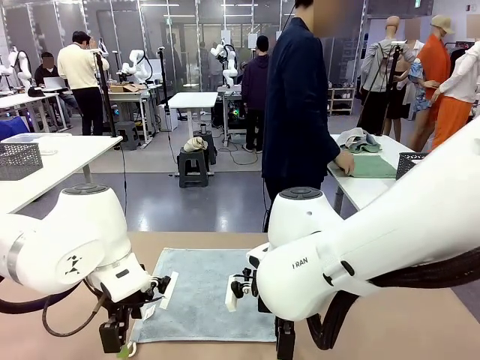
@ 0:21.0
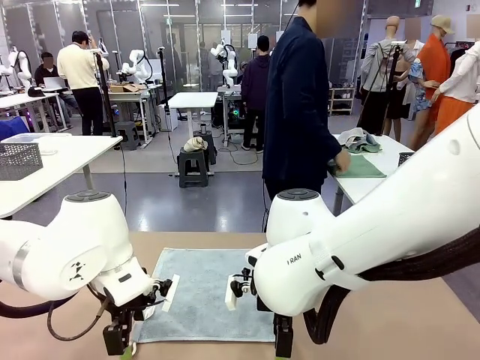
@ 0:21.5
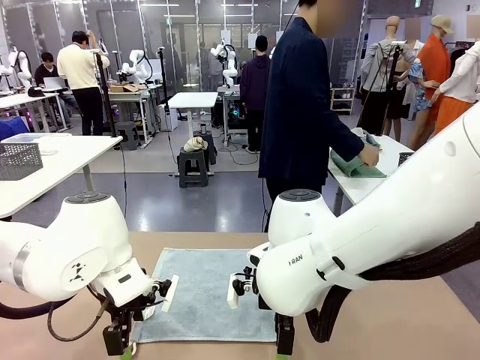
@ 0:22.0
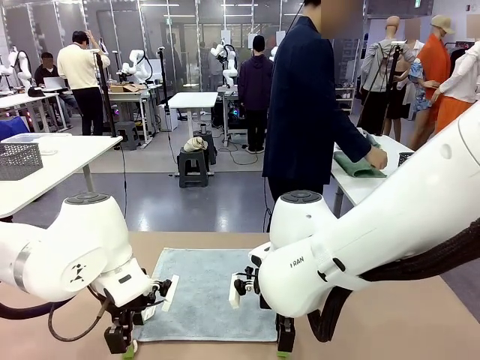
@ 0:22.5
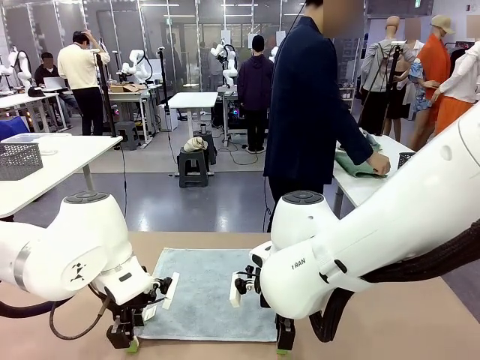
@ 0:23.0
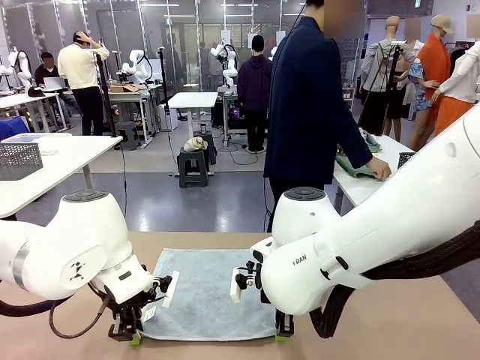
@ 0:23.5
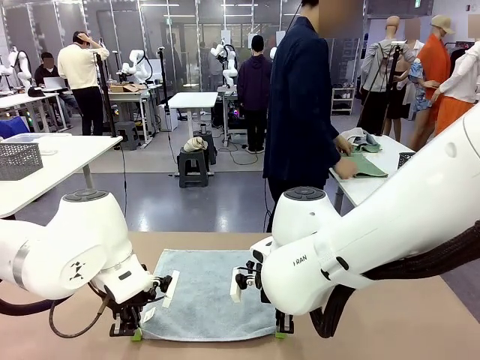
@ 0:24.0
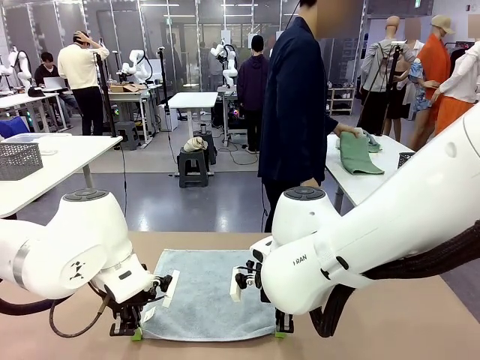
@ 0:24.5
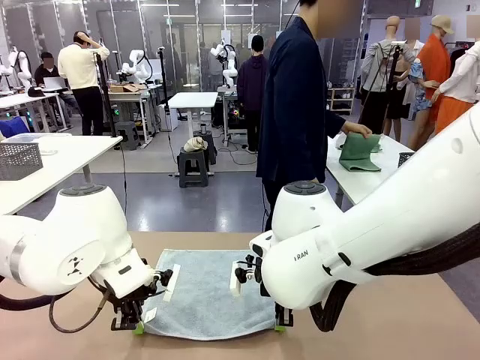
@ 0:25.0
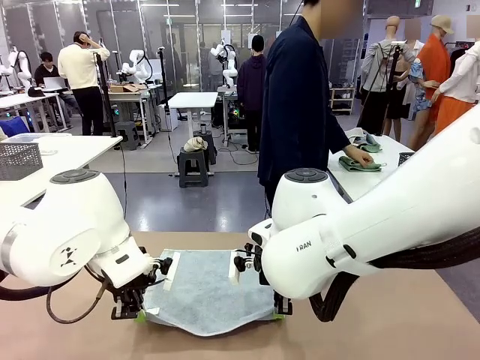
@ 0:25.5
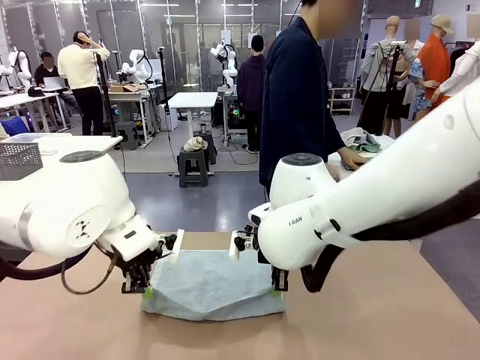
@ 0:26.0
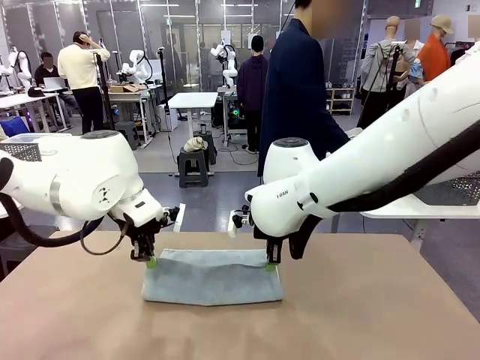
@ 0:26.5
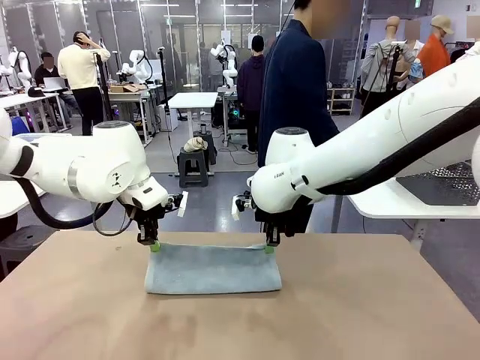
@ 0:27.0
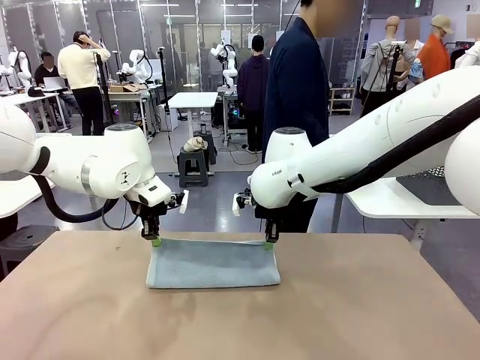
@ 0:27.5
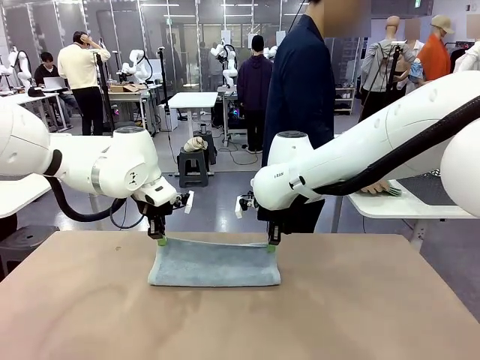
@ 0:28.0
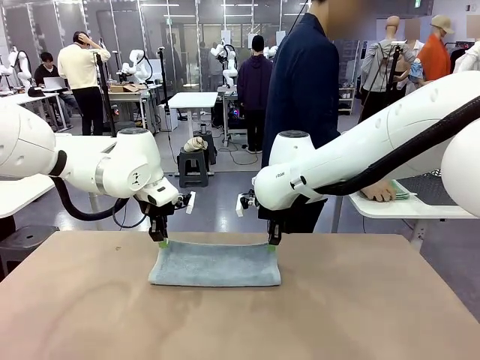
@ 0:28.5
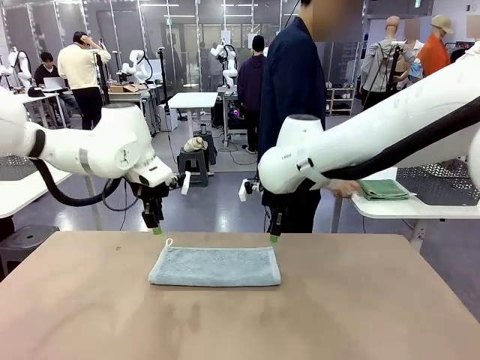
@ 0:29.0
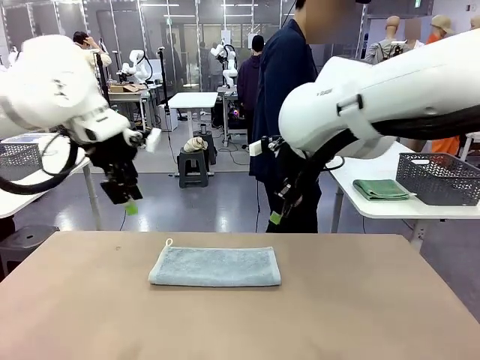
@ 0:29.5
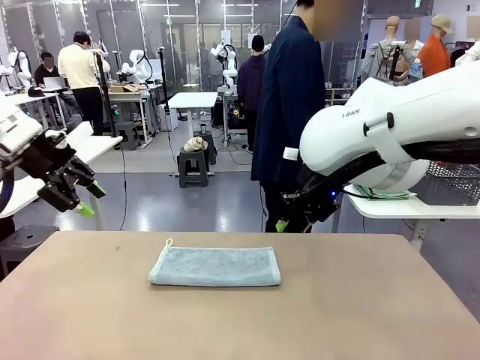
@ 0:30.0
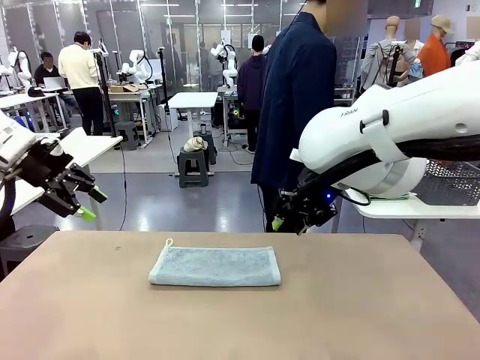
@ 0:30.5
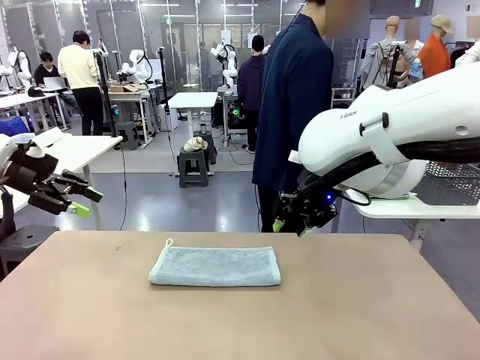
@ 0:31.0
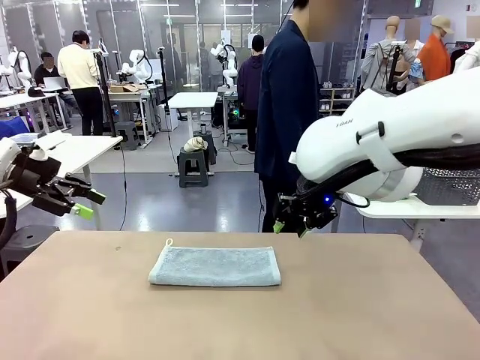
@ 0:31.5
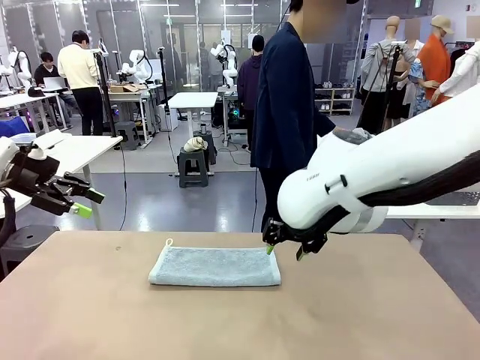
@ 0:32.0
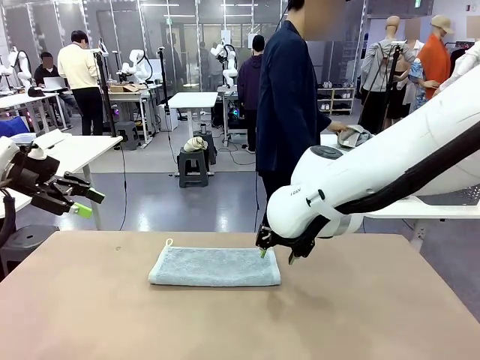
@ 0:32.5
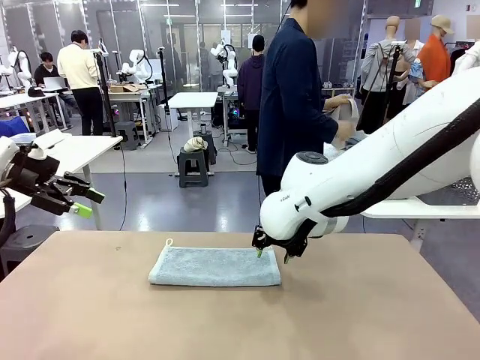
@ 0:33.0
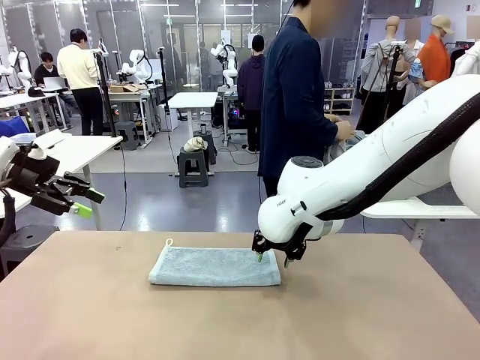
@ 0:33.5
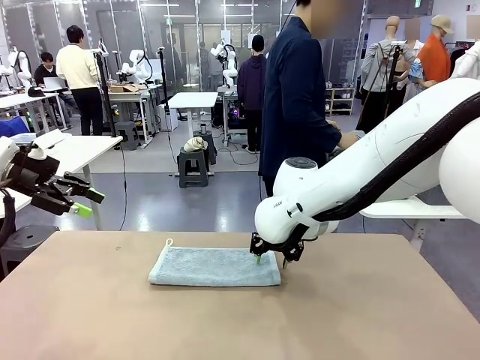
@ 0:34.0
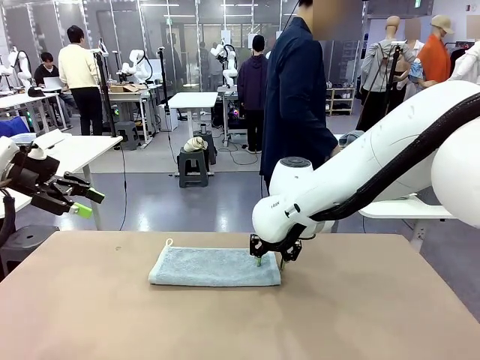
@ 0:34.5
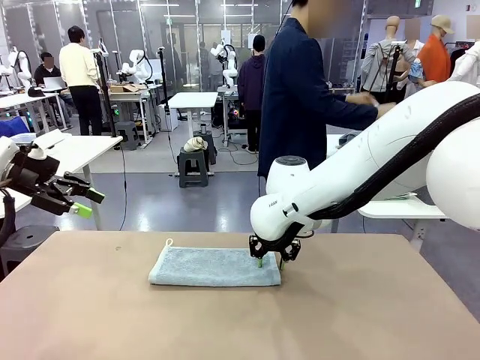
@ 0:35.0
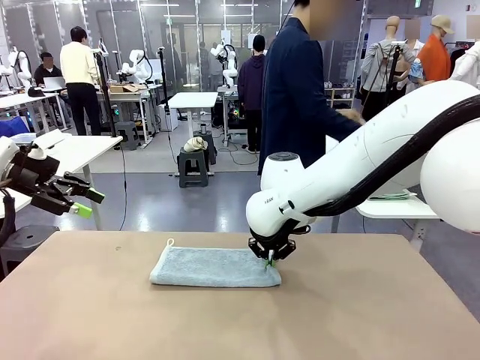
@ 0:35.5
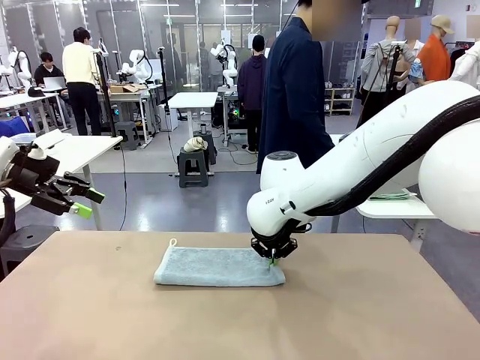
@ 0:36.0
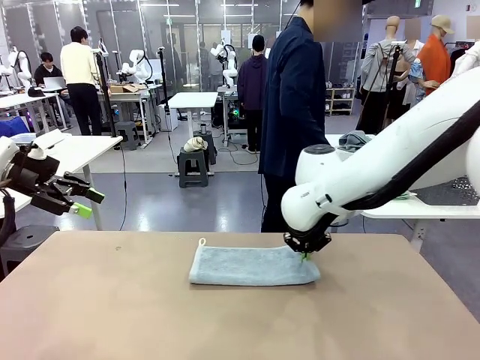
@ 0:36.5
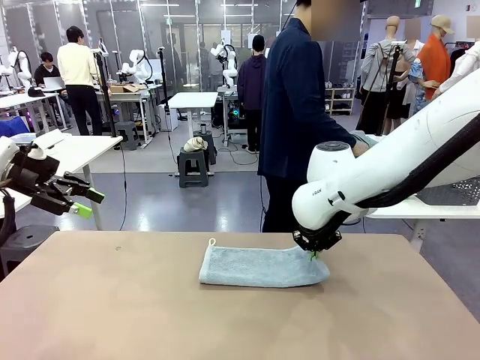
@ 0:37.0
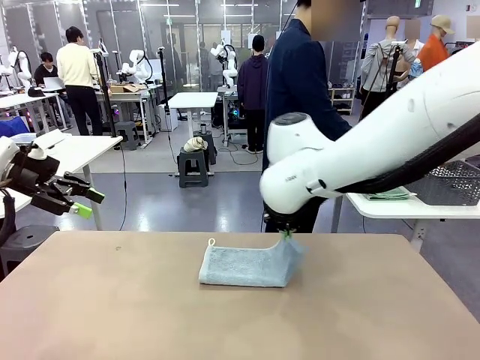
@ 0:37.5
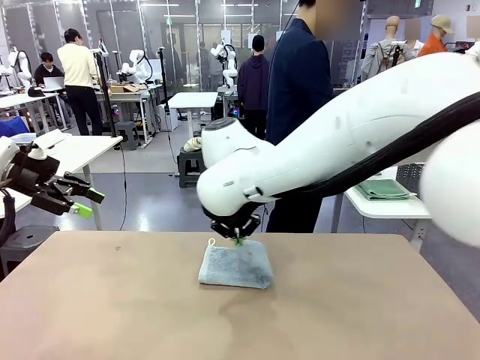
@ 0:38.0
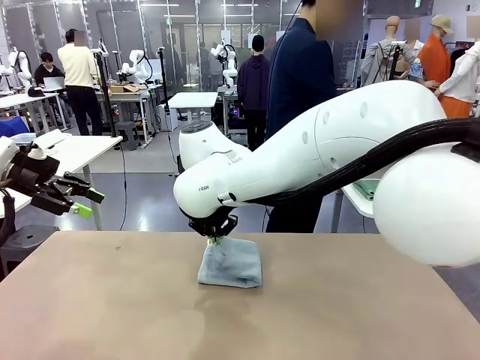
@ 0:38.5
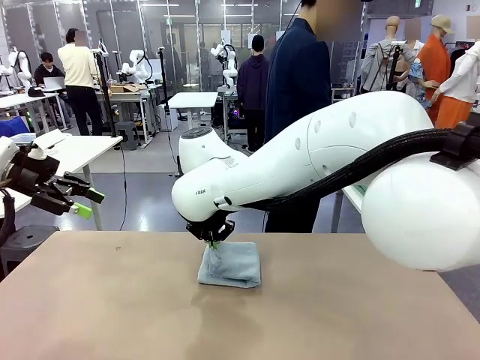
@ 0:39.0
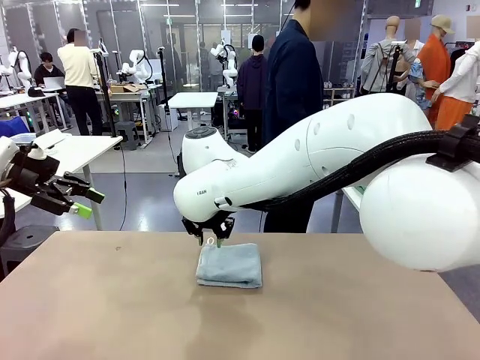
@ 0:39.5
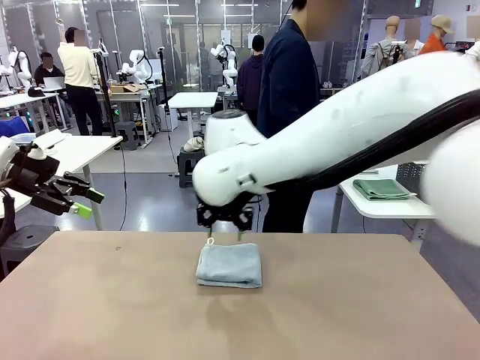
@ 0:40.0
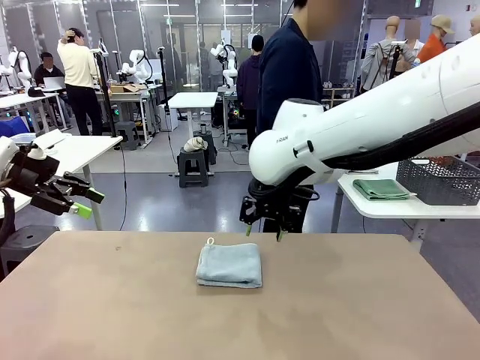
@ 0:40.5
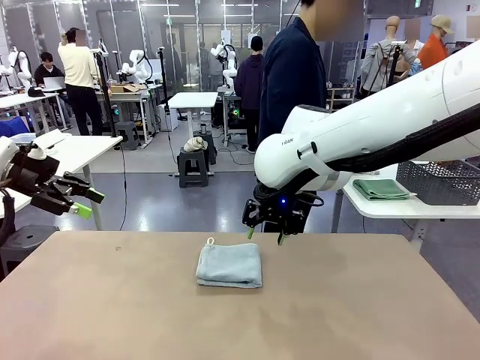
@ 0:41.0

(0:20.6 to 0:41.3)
Task: Fold the towels and place them in the basket.
Robot: When a person lays out a Towel with hook on the table, fold it in half twice.
Person: Pick up one towel from the left side of the human table, fold it in half twice, and place it on the right side of the table. Pick up one towel from the left side of the human table, fold it in half twice, and stack it on the right side of the table.

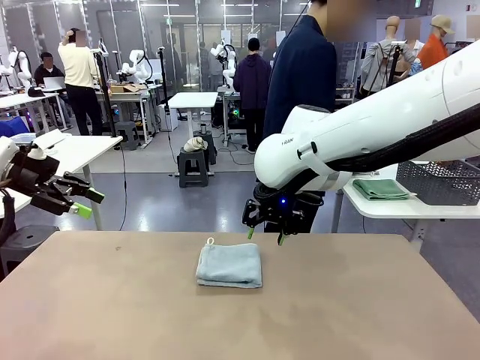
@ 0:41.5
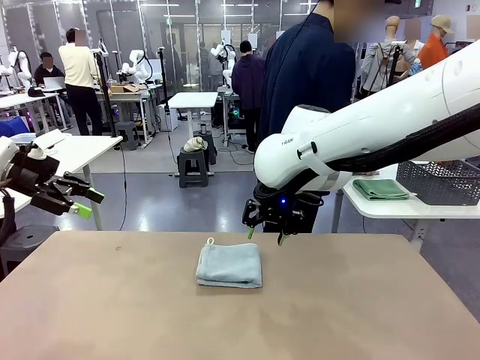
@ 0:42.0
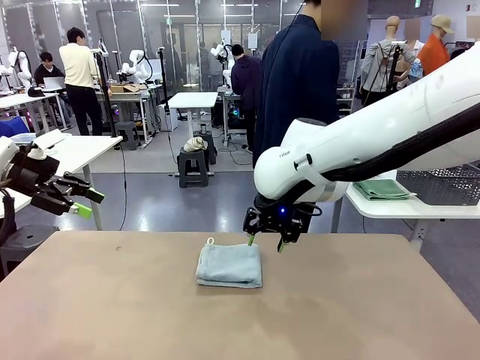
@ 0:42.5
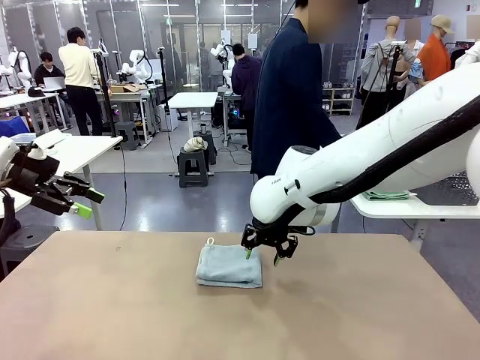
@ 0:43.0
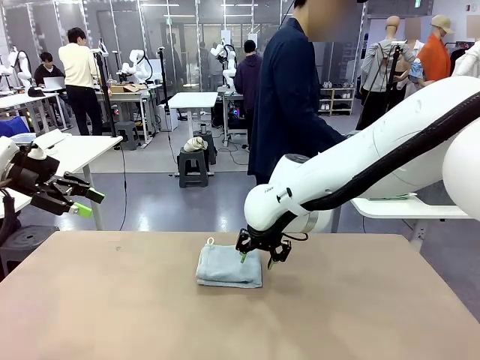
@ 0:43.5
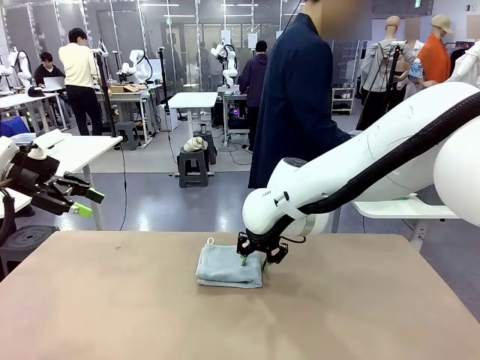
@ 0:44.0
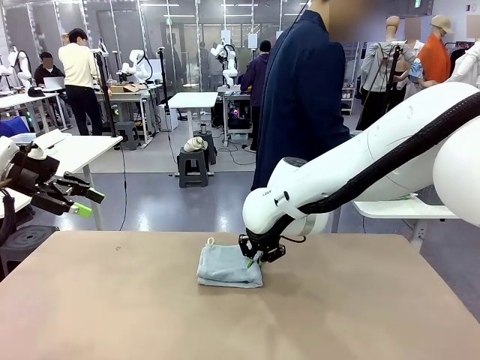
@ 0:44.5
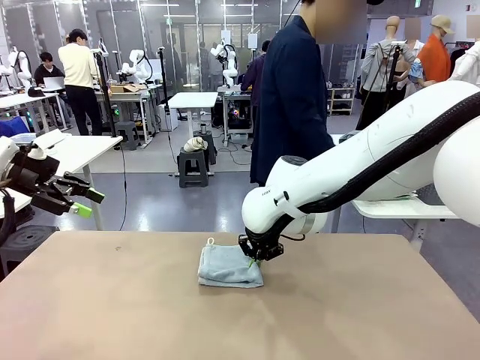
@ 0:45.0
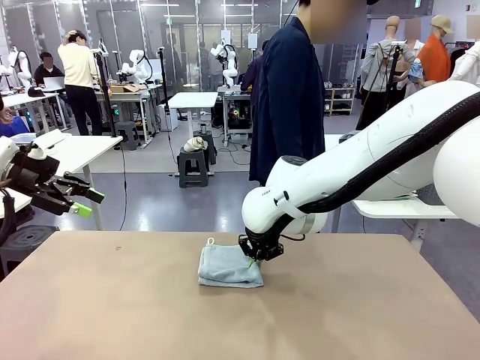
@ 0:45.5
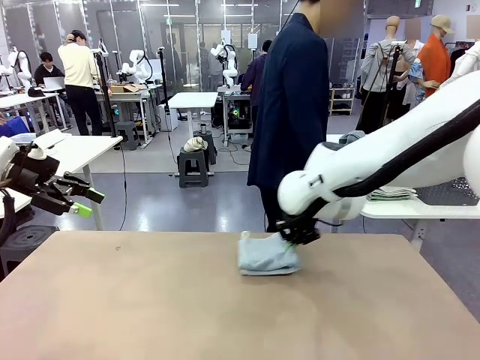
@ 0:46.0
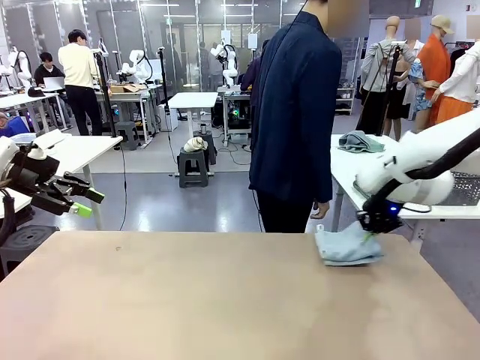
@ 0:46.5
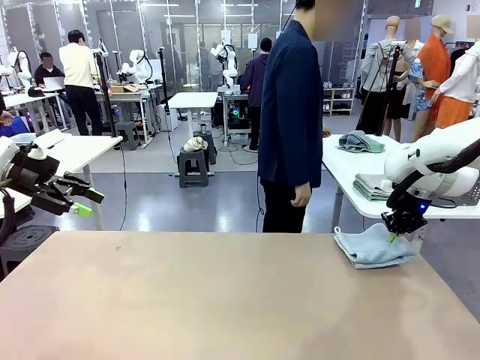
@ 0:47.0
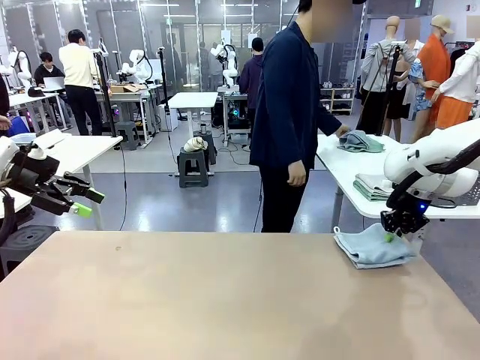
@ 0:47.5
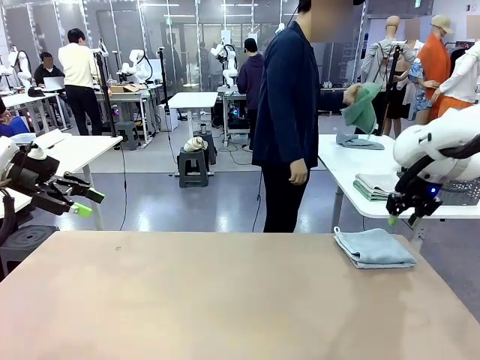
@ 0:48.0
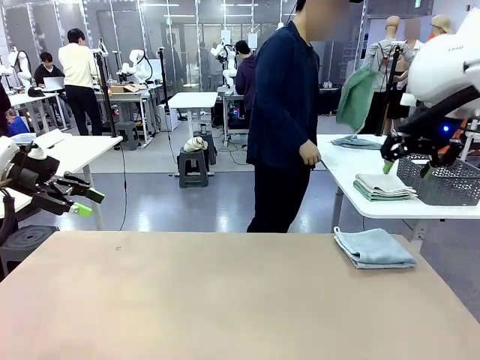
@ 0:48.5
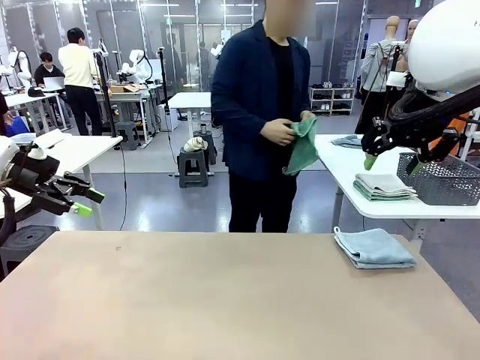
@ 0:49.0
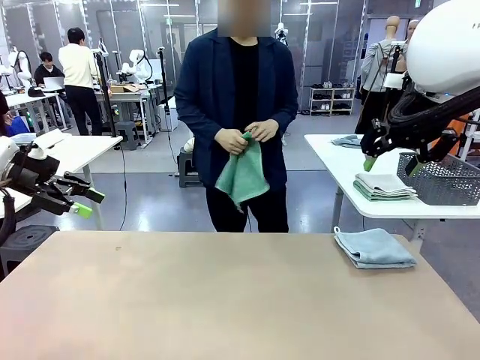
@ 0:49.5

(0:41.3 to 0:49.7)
Robot: Place the folded Towel with hook on the right side of the table.
Person: Pick up one towel from the left side of the human table and spread it out at the center of the robot table.
